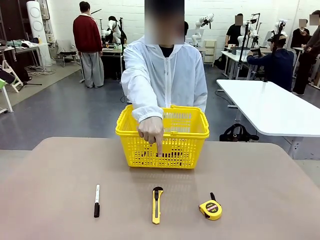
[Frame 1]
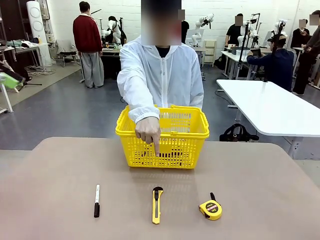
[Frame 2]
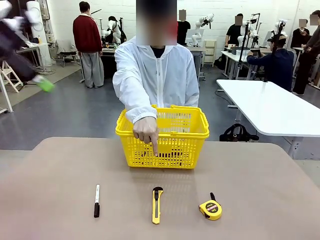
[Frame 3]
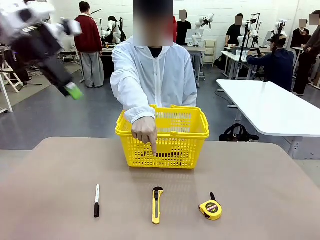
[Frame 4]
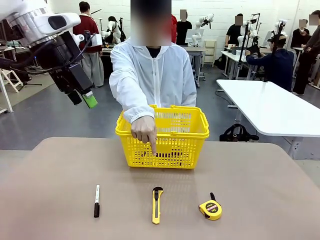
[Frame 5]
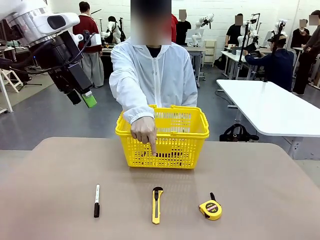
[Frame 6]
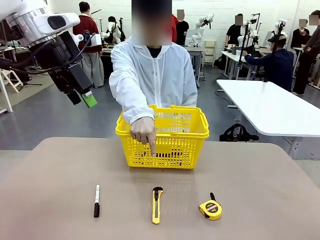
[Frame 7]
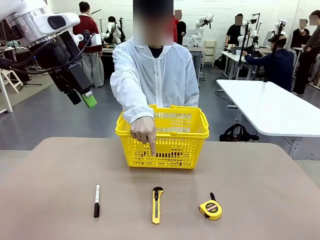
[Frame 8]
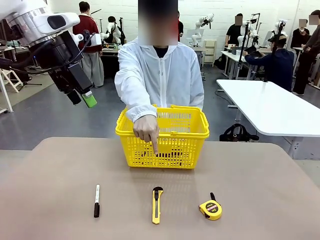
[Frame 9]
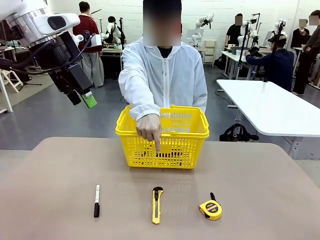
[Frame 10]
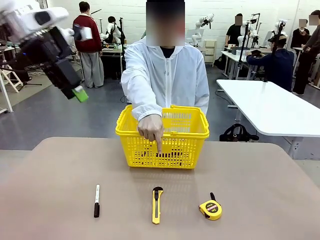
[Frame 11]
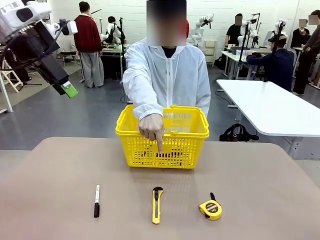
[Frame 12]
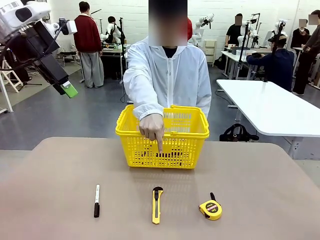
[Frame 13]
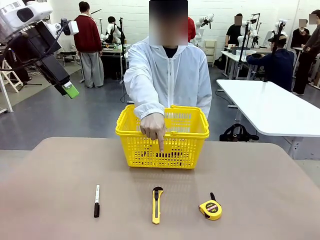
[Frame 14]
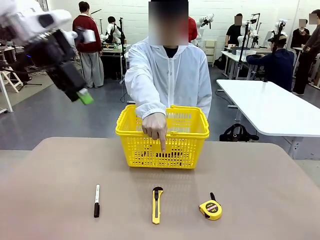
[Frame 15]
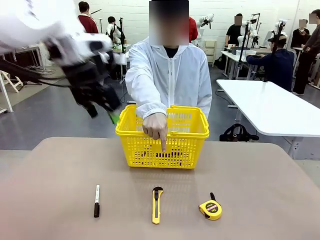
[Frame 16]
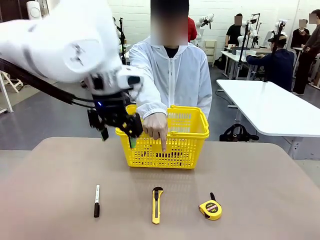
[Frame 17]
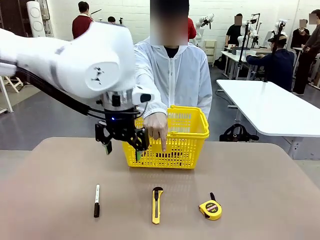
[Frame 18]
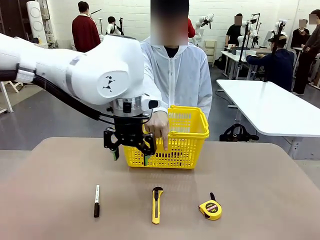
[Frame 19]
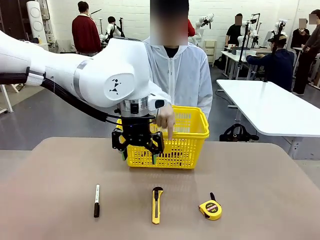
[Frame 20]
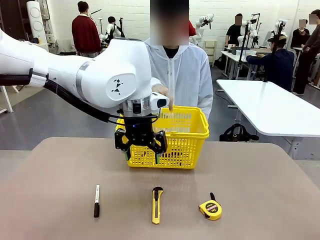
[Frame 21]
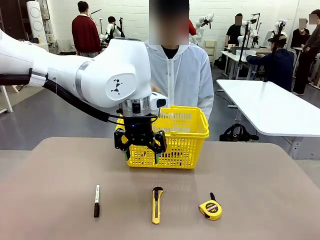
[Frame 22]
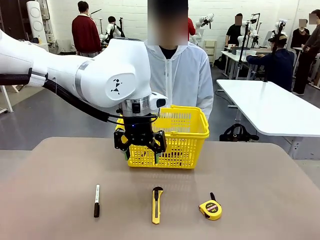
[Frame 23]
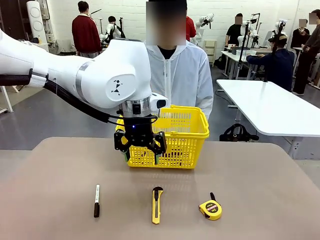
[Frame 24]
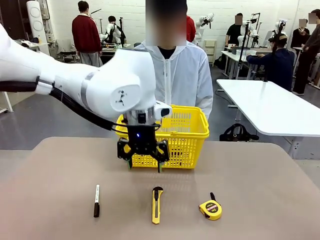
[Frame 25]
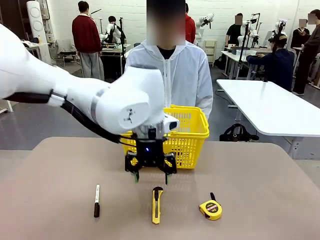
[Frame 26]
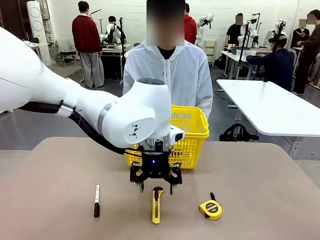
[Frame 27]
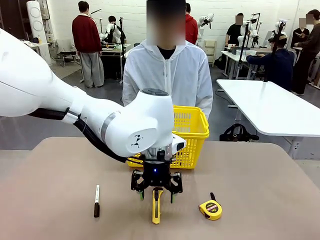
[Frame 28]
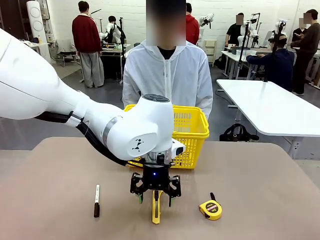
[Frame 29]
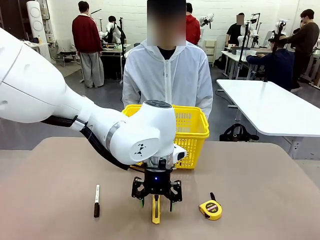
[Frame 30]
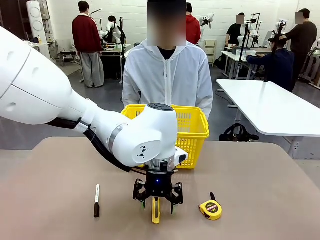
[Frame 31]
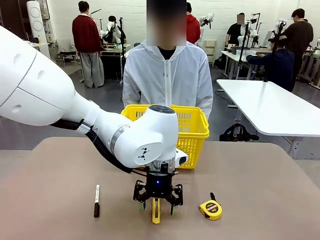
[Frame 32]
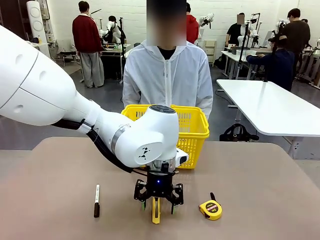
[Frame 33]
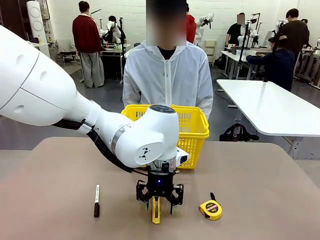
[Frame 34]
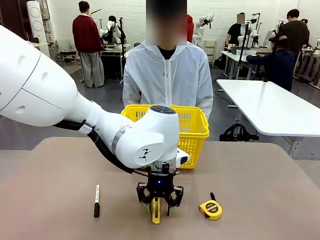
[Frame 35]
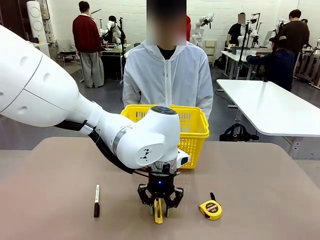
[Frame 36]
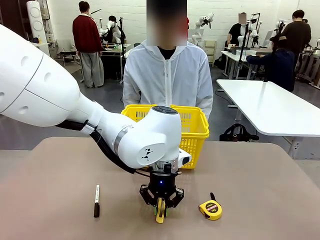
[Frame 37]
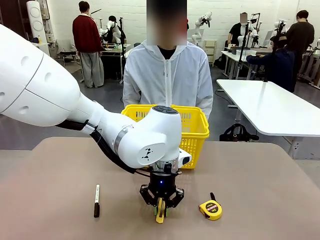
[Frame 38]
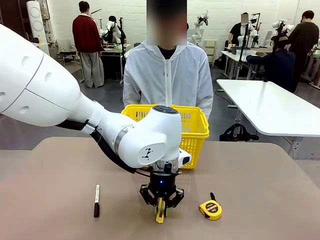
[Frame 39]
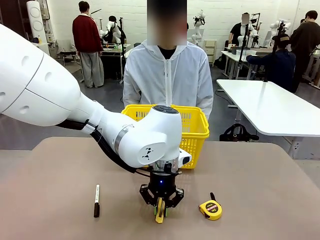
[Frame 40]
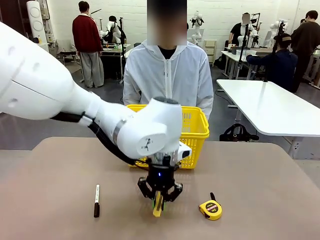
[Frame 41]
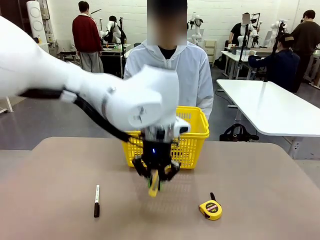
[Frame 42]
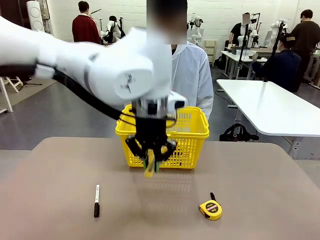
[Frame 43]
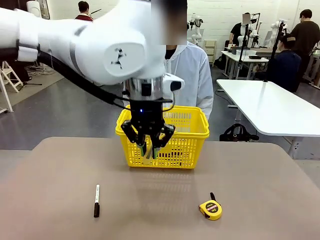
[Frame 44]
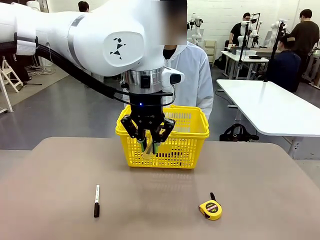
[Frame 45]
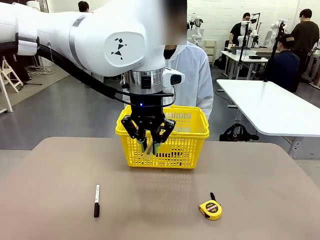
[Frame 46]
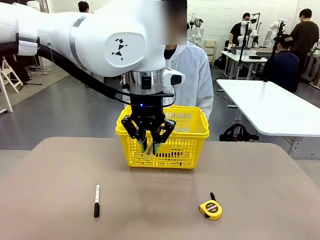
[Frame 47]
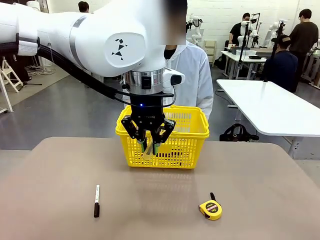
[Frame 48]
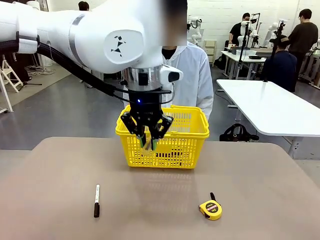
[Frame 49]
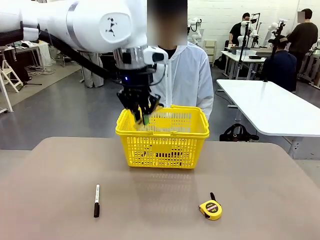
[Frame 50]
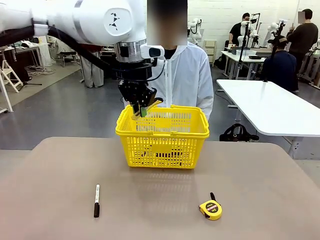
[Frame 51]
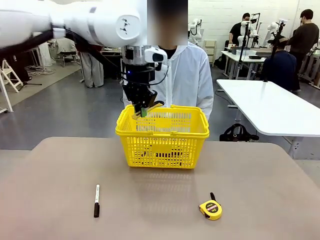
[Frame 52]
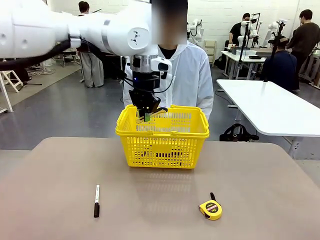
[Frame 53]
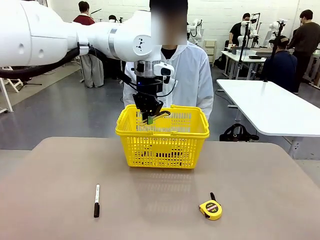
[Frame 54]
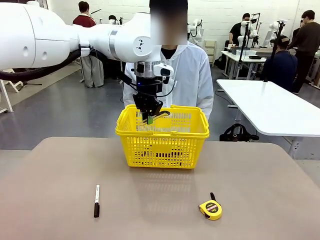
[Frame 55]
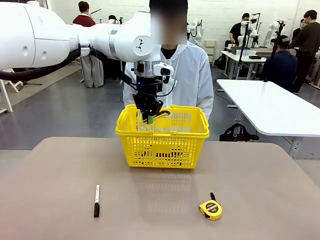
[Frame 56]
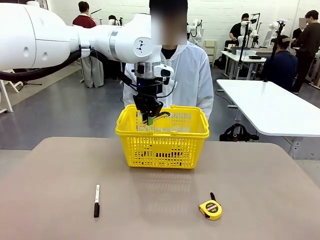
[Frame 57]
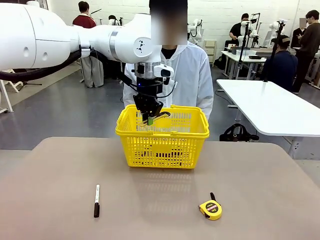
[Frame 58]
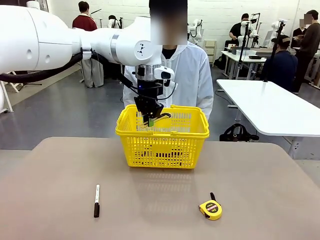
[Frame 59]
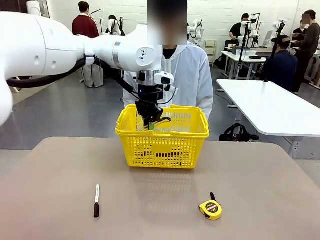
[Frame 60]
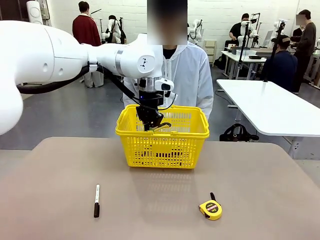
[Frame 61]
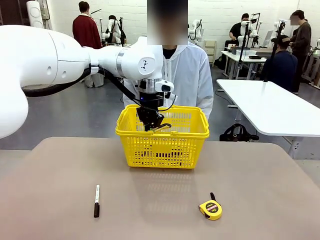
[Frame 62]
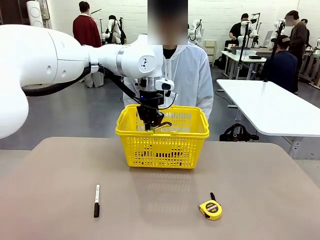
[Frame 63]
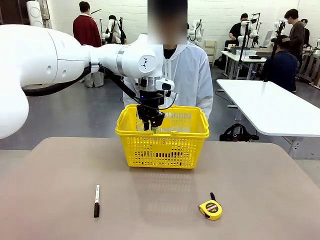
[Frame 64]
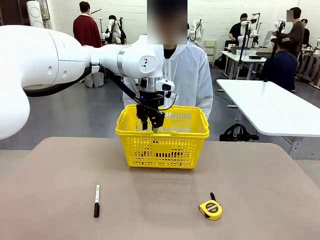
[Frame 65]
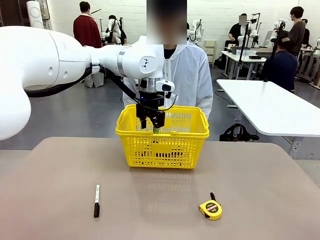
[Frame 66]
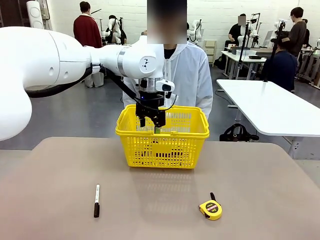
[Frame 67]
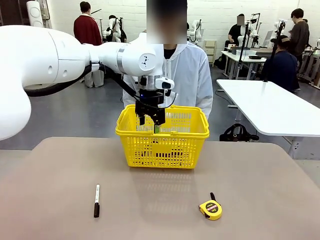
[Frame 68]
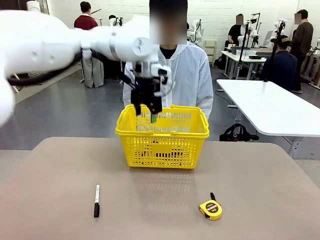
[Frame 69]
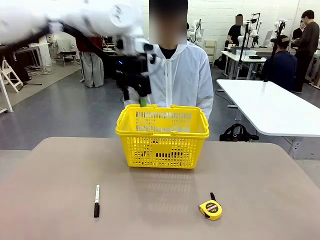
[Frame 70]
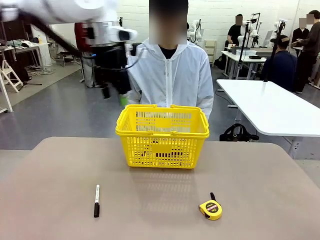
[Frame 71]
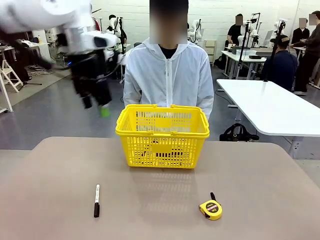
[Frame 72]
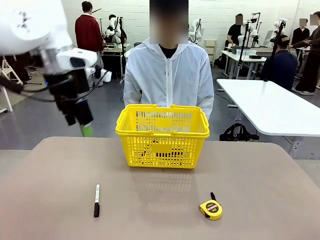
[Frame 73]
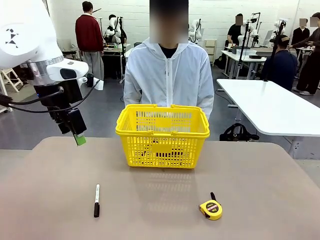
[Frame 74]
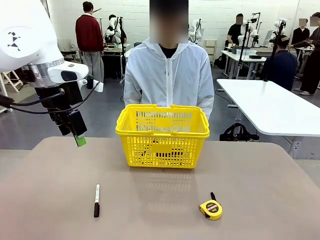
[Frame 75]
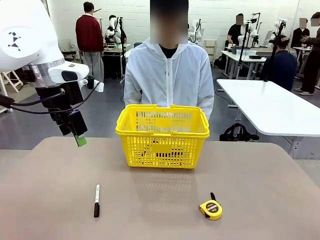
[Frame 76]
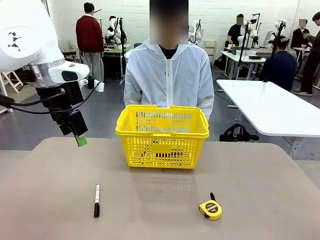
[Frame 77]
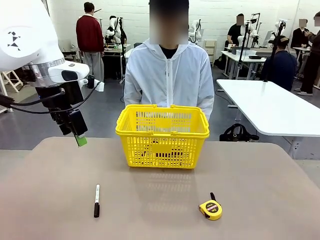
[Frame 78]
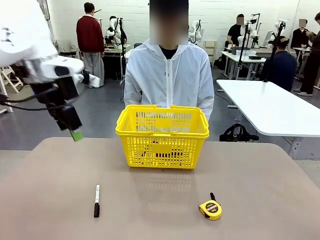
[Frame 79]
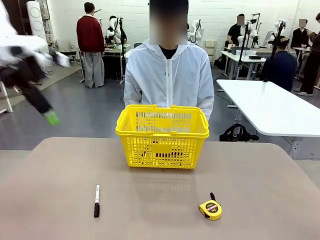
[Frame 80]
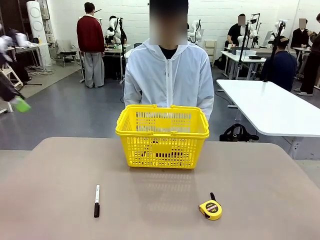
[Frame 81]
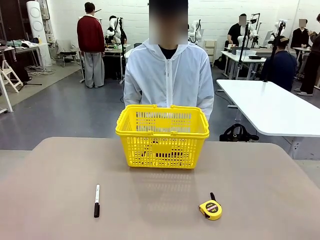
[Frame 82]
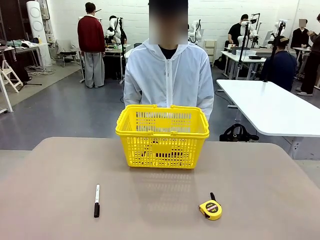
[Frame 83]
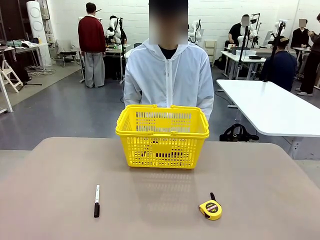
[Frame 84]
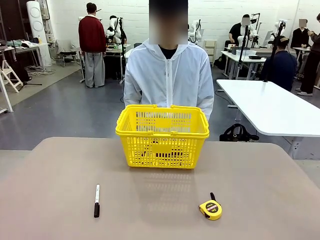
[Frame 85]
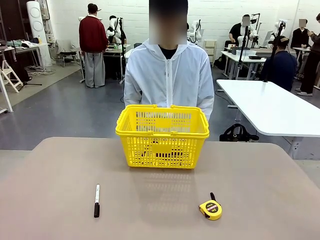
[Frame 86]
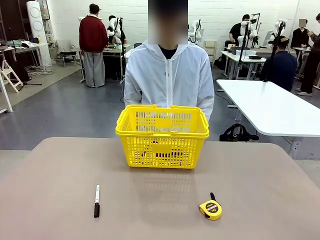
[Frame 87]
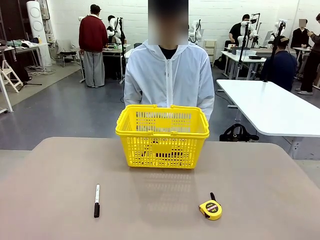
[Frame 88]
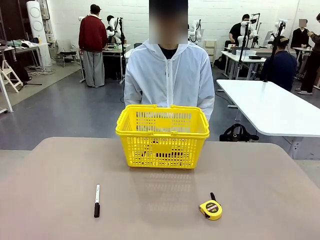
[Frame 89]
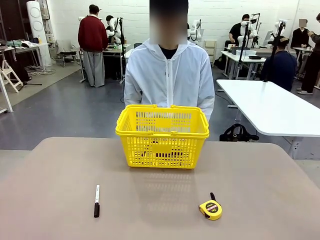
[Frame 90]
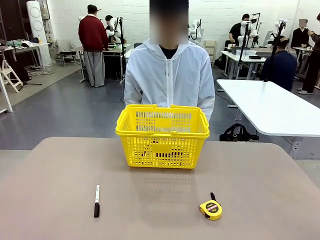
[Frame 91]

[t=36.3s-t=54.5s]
Task: Place the items the person wants into the basket.
Robot: Pick up the item the person points to and place it in the Market Basket.

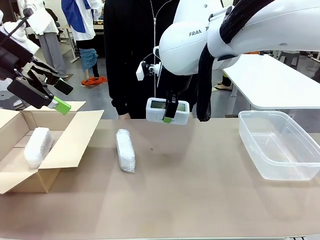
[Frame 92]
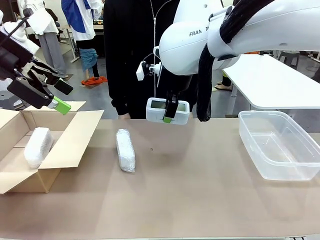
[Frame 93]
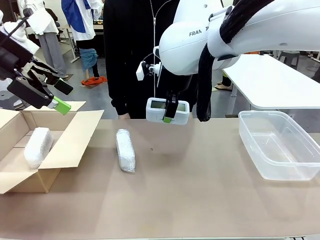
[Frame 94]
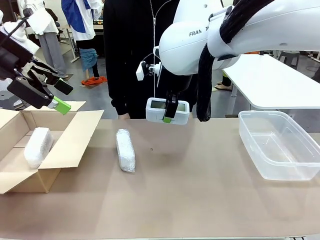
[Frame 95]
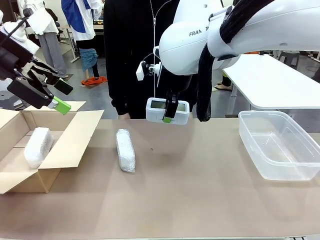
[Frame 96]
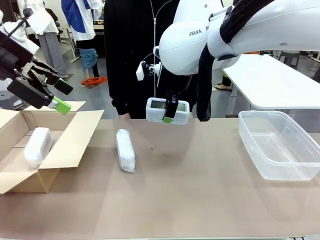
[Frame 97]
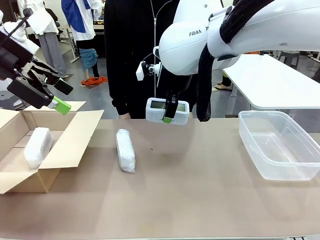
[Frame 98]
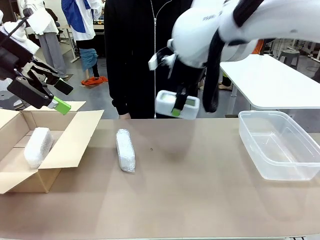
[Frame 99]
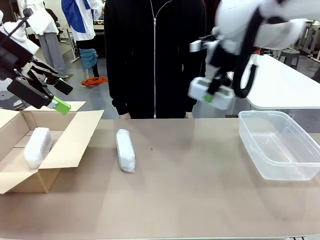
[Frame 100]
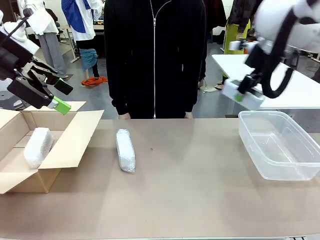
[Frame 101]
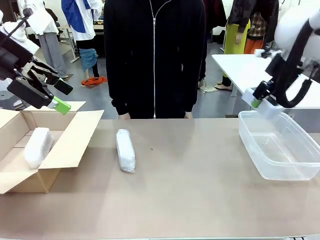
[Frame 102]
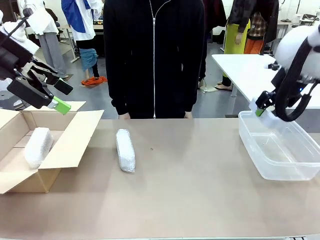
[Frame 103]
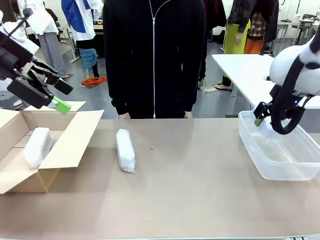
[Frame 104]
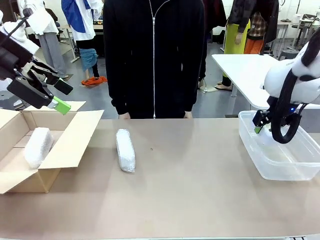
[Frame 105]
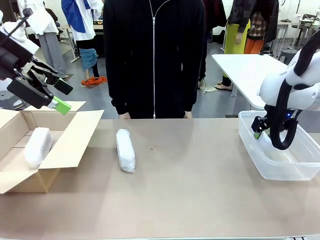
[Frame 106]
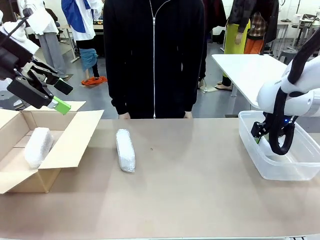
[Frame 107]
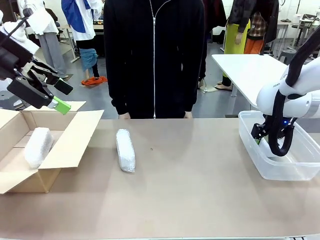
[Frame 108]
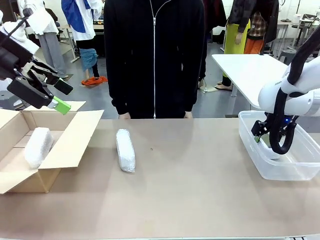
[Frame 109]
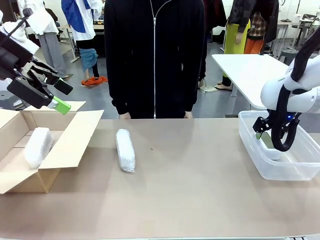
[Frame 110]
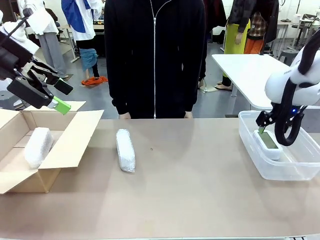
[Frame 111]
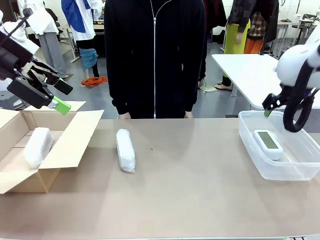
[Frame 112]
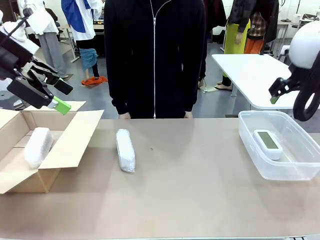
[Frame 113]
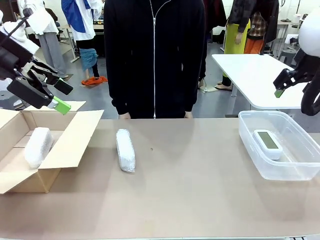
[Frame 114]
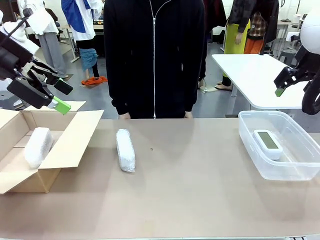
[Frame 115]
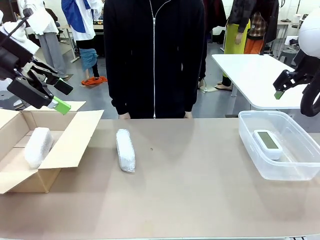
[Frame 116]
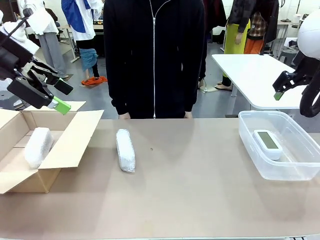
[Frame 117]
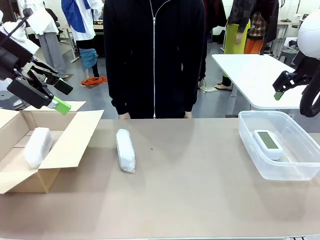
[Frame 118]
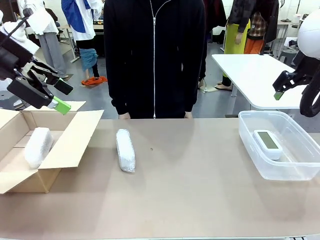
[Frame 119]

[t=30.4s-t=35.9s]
Task: Separate and place wrapped and unwrapped clocks.
Robot: If the picked Digital clock is wrapped, place it in the Package Box ; if not, place it in the Organizing box.
